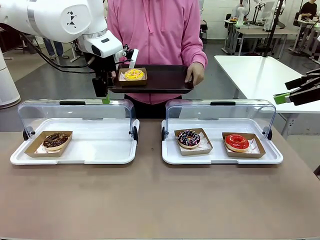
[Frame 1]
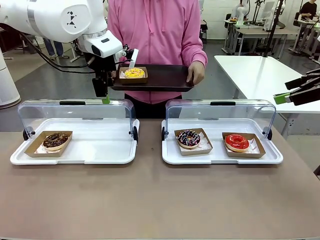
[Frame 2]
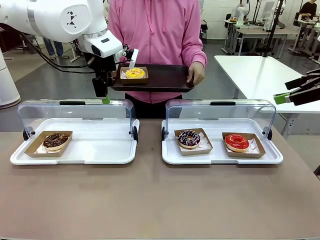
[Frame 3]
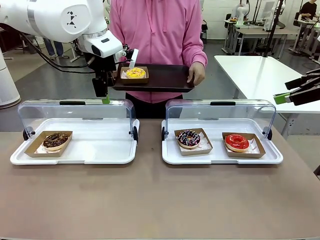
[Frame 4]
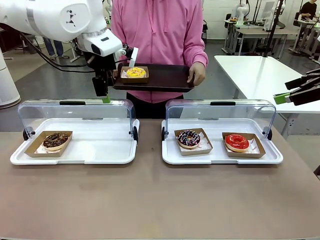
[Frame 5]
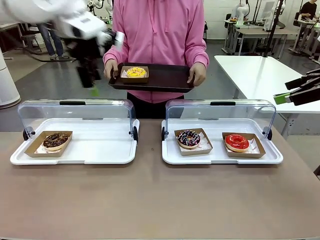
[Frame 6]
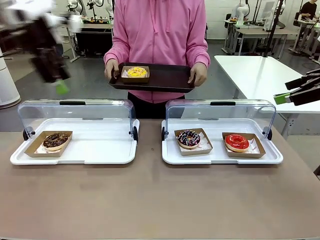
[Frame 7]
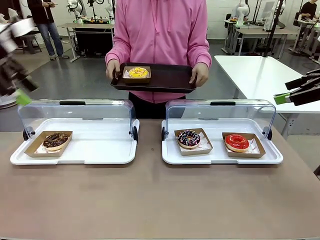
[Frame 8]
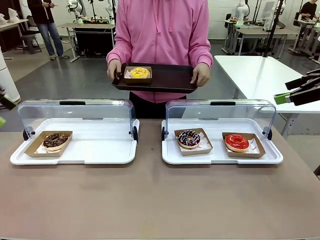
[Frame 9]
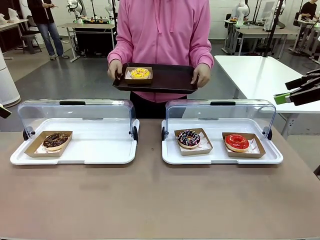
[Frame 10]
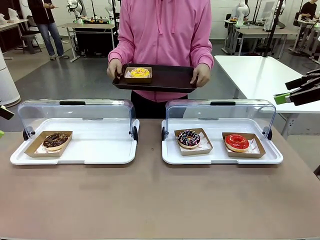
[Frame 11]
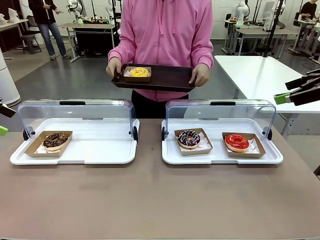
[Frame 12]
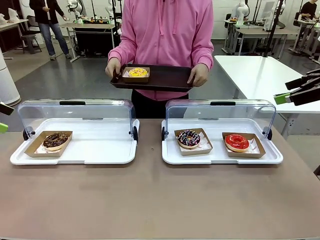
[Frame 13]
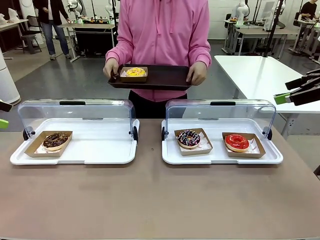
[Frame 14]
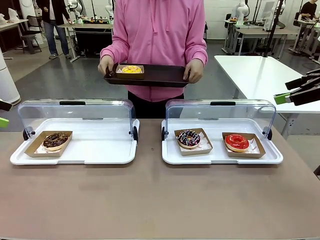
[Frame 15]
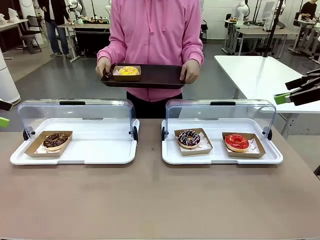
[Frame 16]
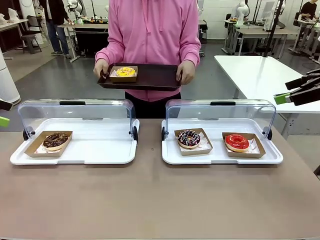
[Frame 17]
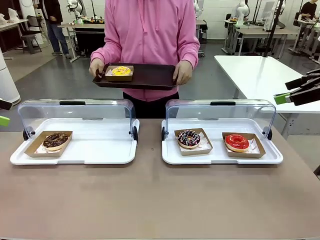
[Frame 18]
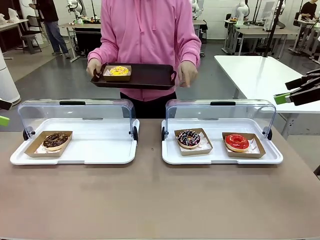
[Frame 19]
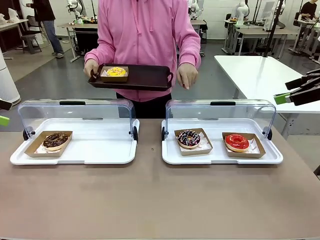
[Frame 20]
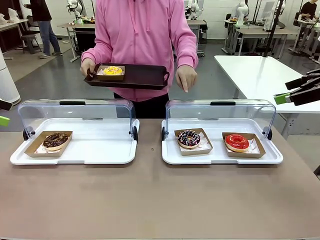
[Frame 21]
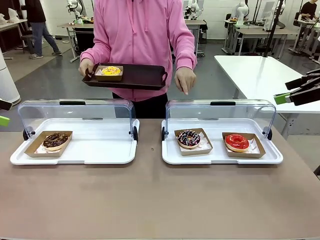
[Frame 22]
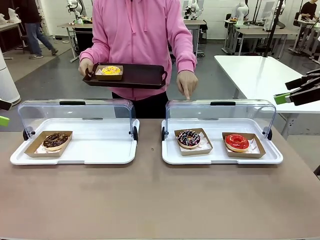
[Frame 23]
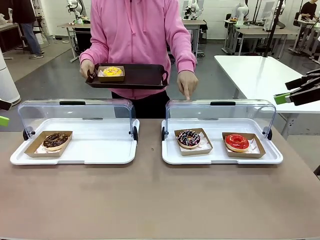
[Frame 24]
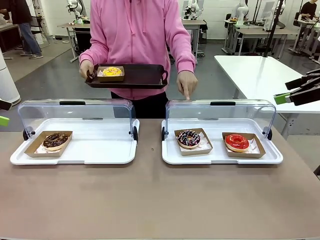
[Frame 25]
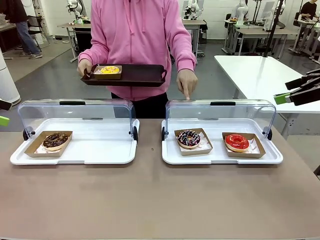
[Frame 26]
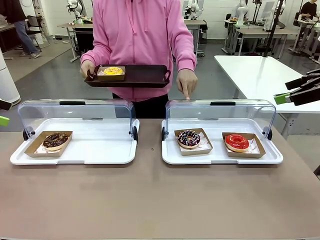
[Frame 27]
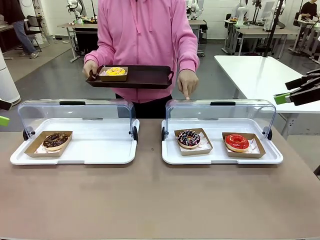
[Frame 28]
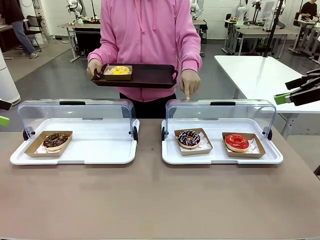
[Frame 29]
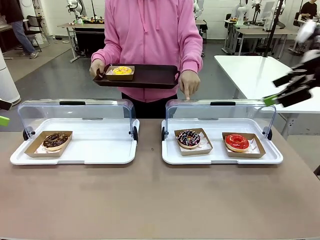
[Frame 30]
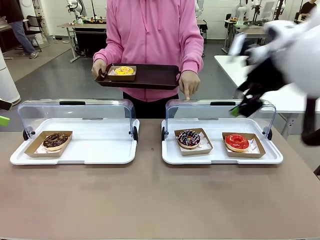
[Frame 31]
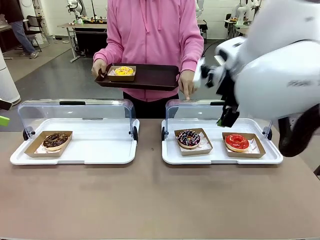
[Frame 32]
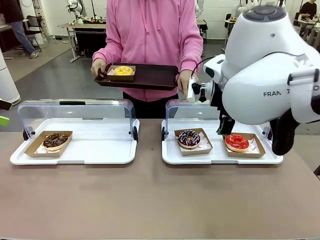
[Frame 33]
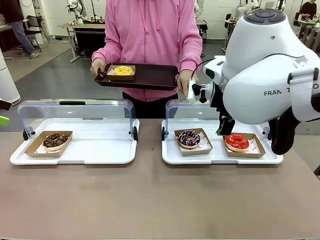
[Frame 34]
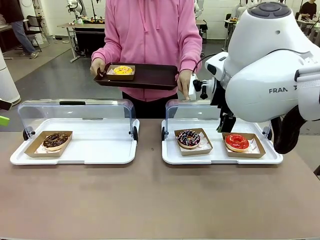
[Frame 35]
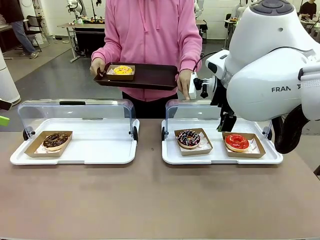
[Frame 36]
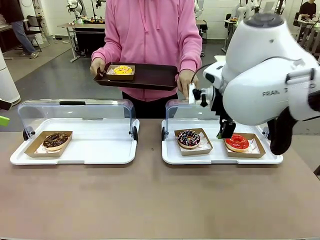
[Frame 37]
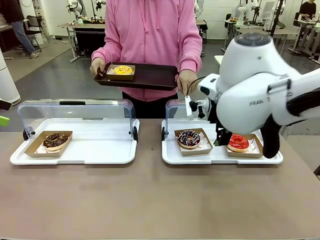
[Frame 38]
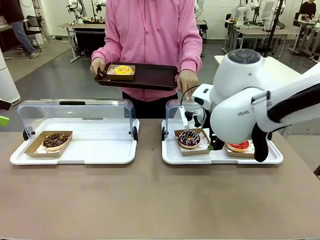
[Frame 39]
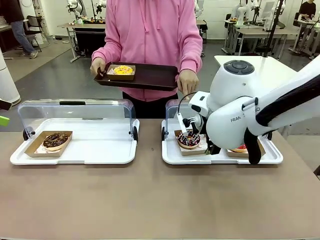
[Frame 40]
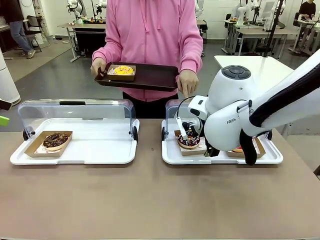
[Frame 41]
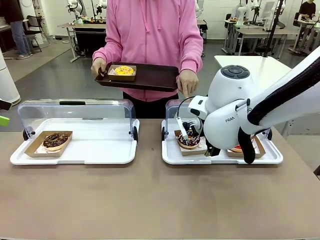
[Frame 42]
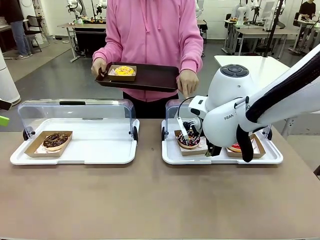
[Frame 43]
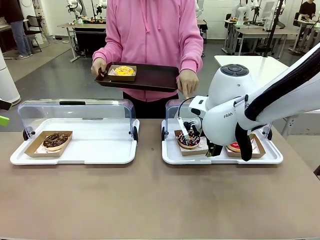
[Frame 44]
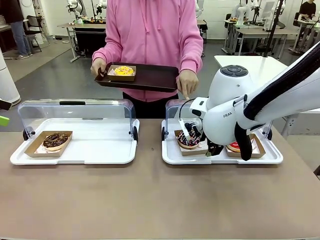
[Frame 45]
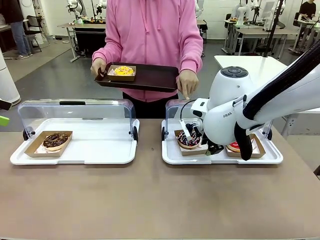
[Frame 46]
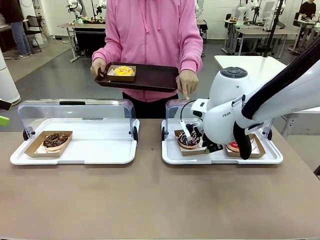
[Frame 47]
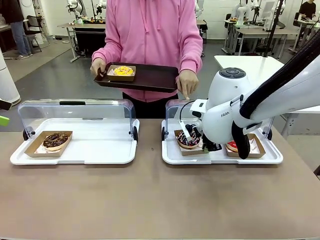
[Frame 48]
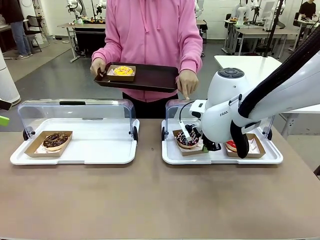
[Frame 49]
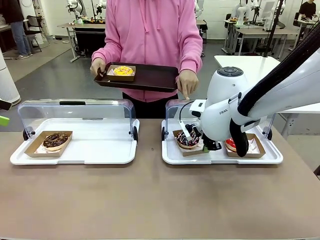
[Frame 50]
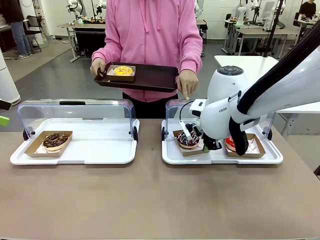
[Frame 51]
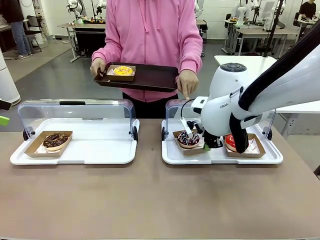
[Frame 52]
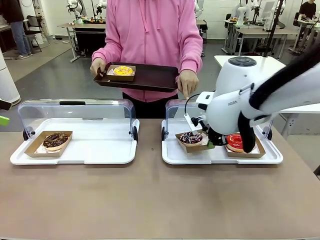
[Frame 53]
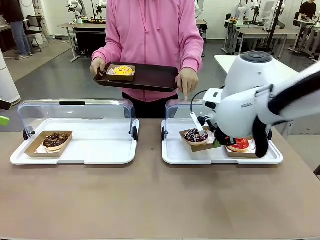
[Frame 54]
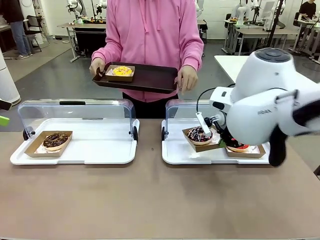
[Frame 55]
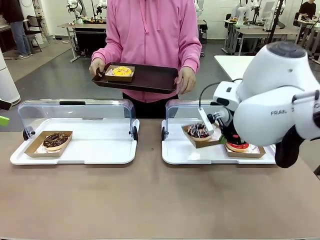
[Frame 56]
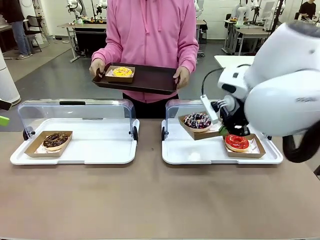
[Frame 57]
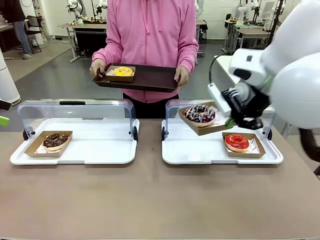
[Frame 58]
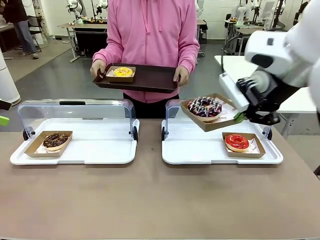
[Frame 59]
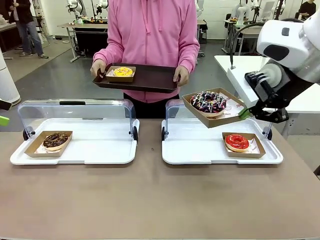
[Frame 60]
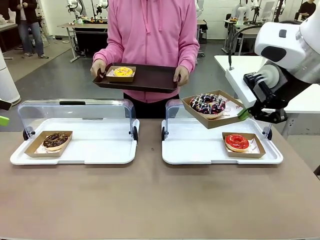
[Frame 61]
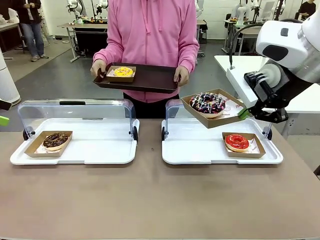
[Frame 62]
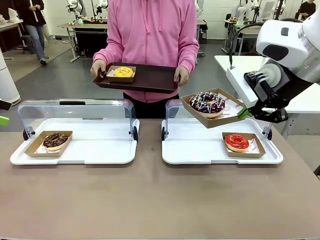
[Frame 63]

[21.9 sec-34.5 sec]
Task: Provide the desired donut to the person.
Robot: Pick up and lift the Paper togo box containing the Donut pointed at by the person.
Person: Lift the tray onto the Roll-Top Bakery Case.

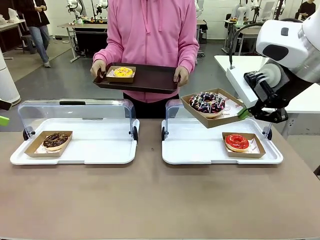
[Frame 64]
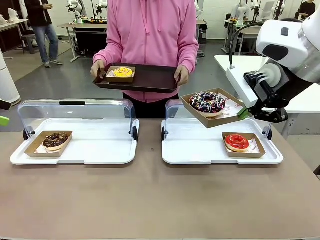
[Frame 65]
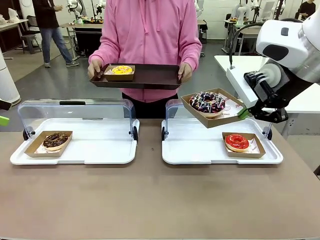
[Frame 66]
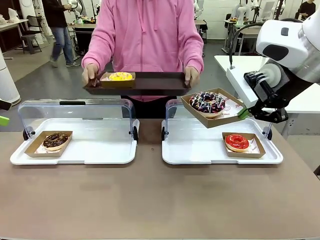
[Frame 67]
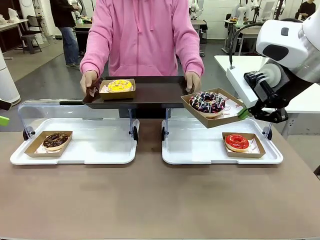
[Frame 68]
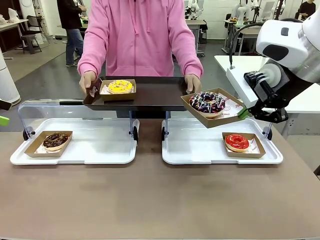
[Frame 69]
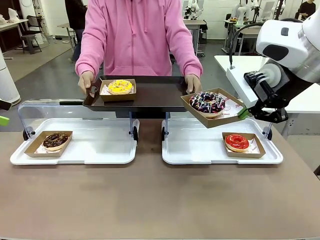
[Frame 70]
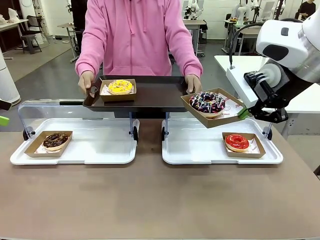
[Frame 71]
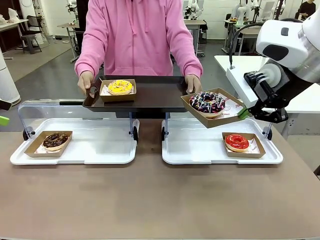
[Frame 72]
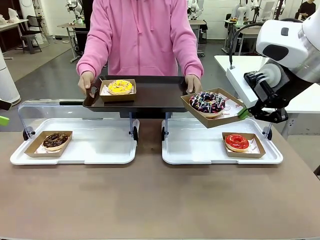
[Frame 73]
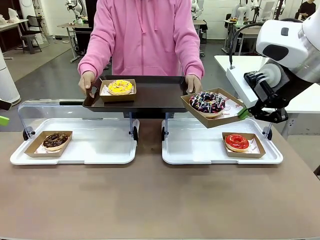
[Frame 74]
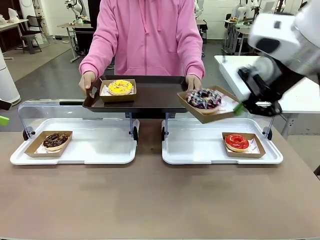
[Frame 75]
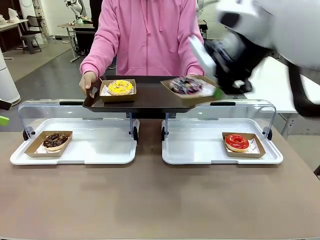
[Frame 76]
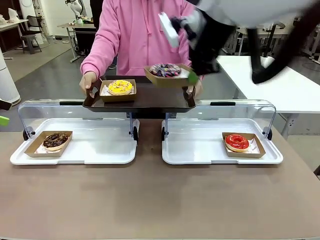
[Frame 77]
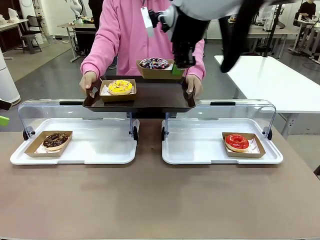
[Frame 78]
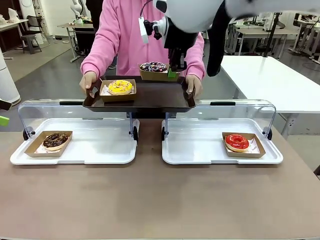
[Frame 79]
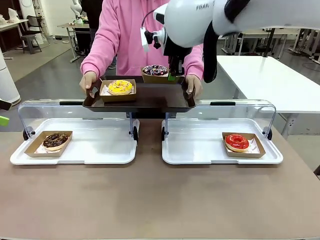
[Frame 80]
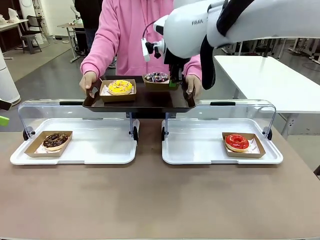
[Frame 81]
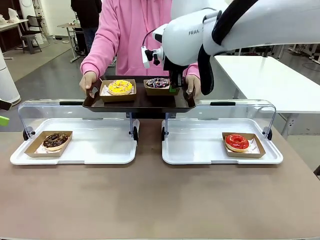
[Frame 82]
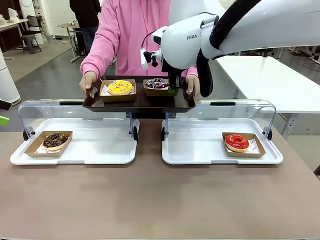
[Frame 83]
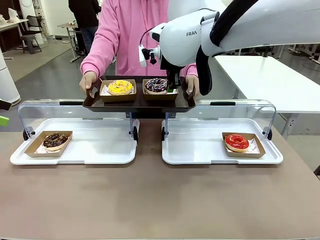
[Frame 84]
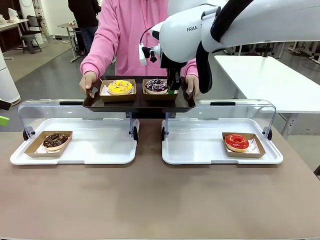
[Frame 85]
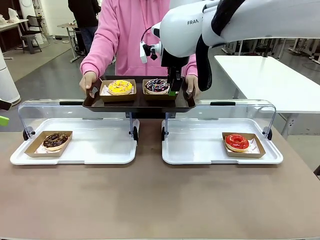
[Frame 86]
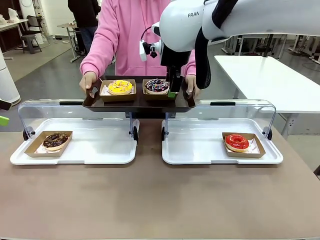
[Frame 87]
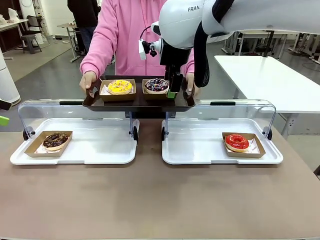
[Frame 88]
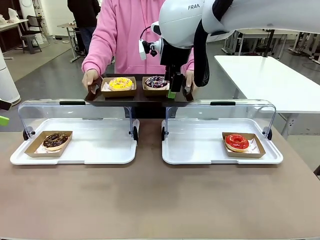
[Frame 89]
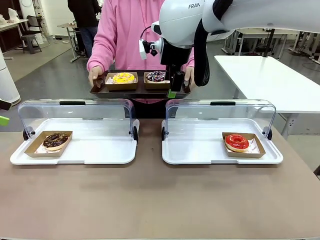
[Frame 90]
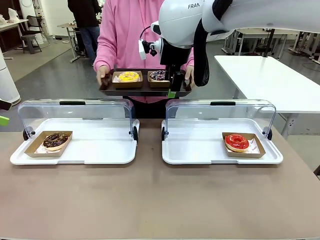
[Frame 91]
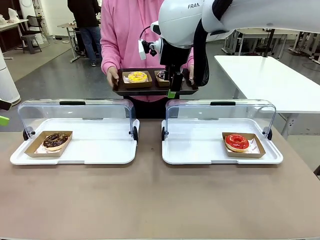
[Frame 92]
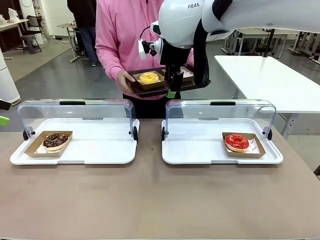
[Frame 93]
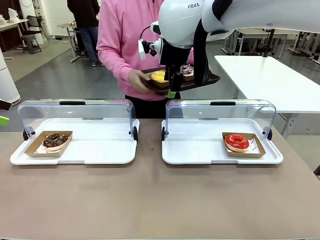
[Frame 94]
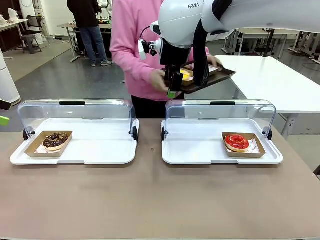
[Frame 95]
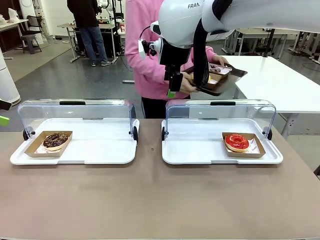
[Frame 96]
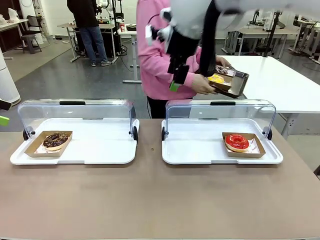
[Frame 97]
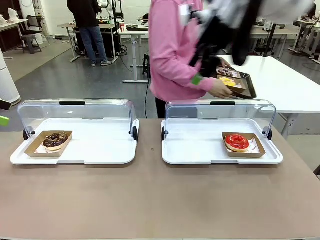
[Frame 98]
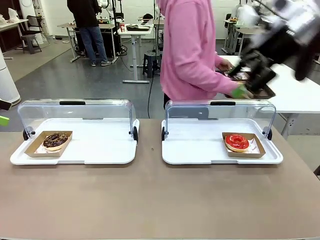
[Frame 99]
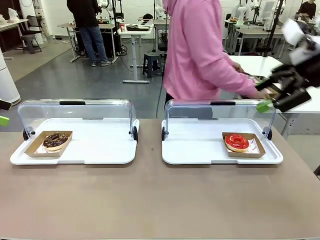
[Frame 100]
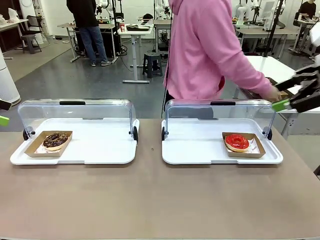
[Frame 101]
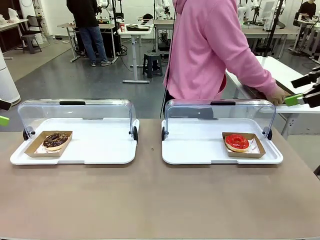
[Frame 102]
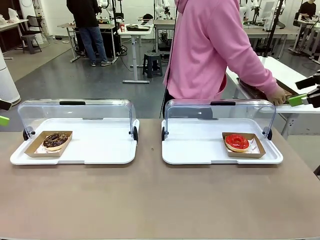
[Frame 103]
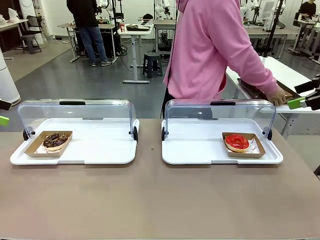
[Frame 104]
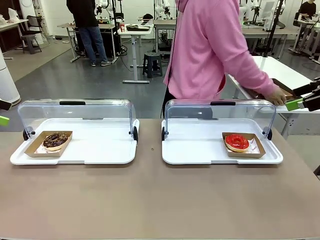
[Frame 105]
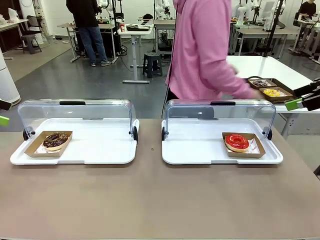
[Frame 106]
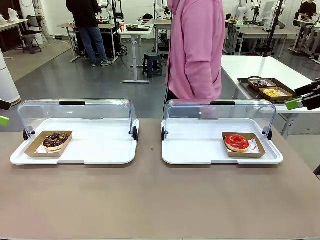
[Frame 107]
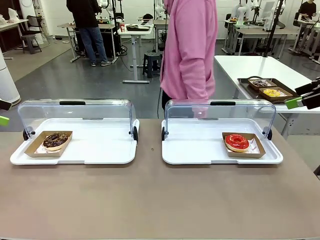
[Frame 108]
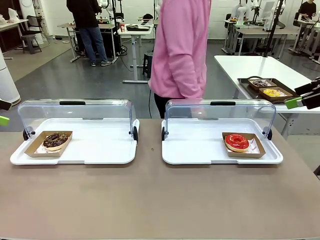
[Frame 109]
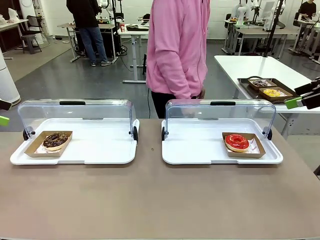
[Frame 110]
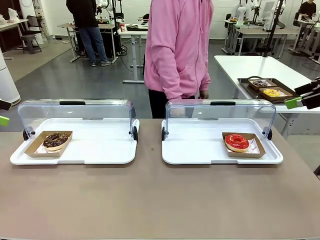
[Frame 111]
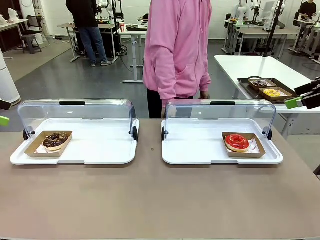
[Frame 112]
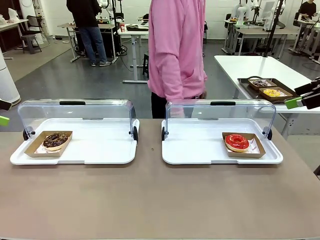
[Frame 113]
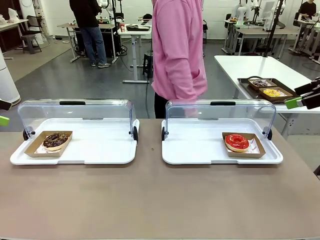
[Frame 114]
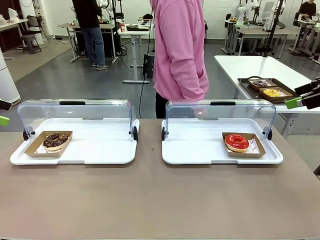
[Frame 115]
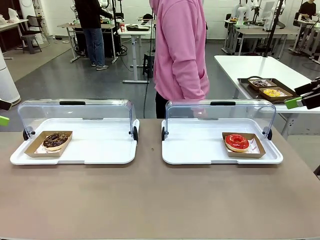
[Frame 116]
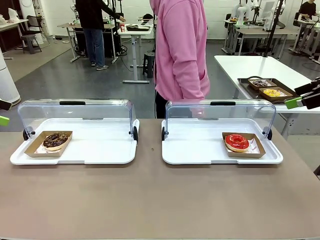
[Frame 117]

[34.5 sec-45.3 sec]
Robot: Place the picked Paper togo box onto the Handle tray extended by the person.
Person: Place the tray in the middle of the human table.
